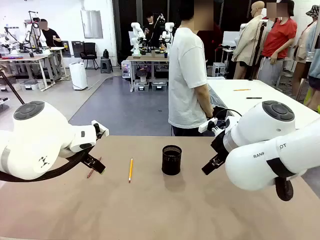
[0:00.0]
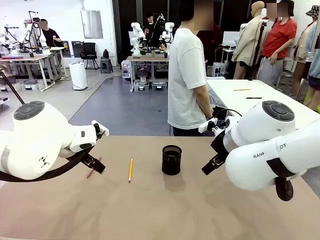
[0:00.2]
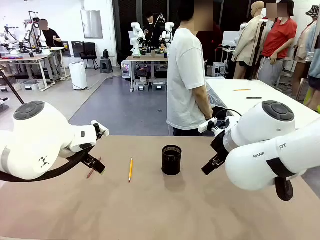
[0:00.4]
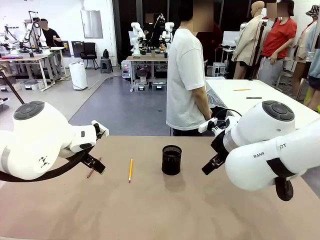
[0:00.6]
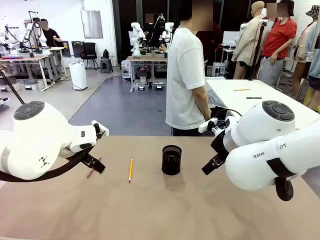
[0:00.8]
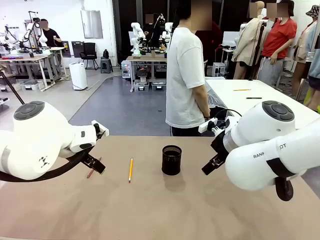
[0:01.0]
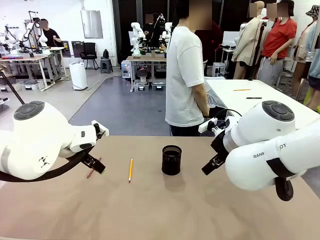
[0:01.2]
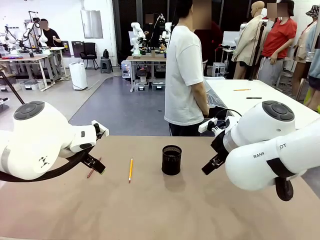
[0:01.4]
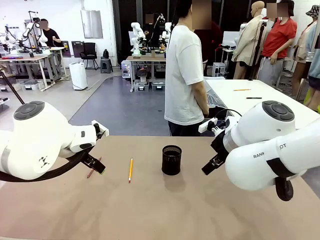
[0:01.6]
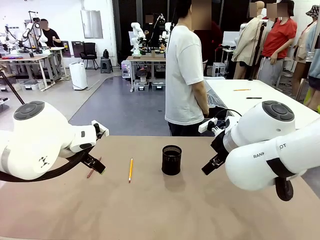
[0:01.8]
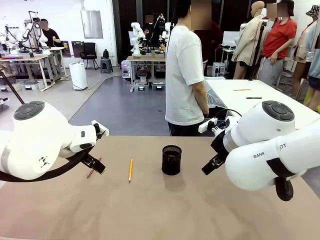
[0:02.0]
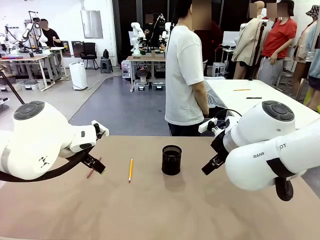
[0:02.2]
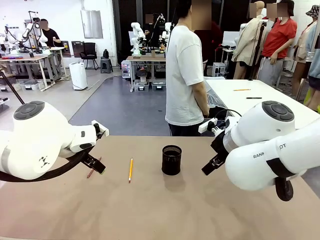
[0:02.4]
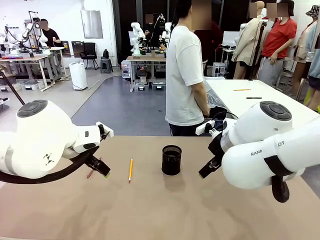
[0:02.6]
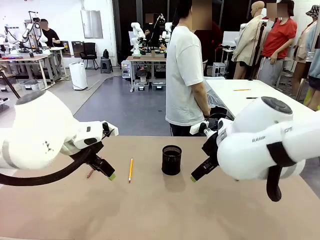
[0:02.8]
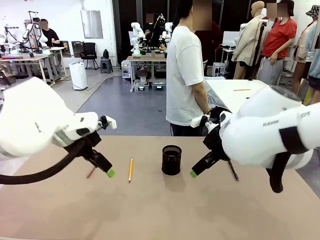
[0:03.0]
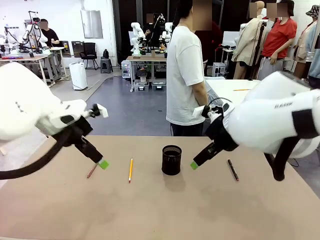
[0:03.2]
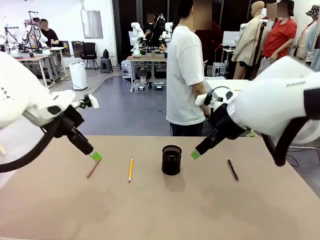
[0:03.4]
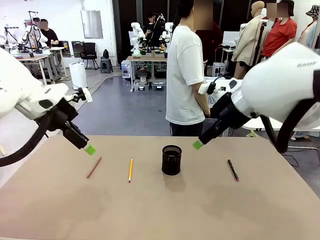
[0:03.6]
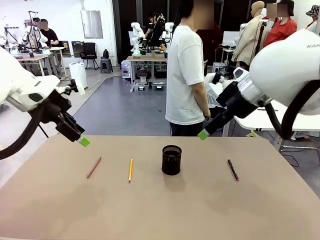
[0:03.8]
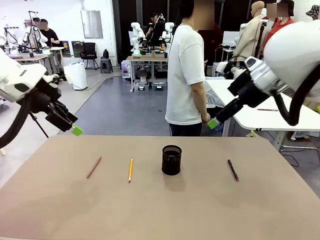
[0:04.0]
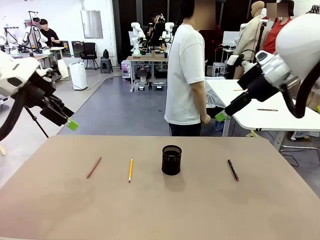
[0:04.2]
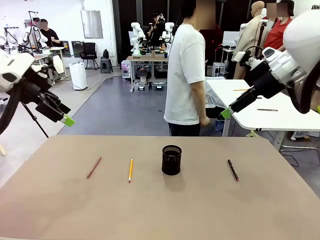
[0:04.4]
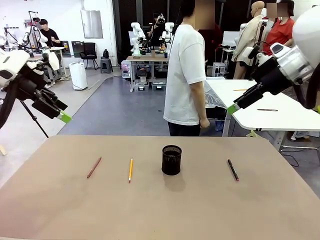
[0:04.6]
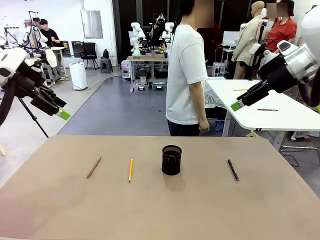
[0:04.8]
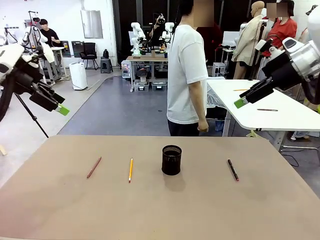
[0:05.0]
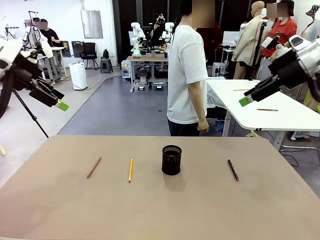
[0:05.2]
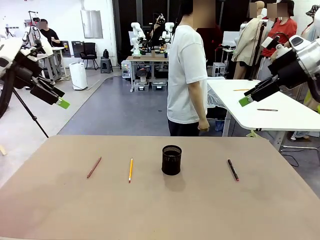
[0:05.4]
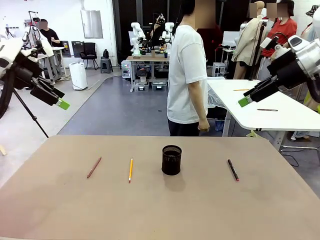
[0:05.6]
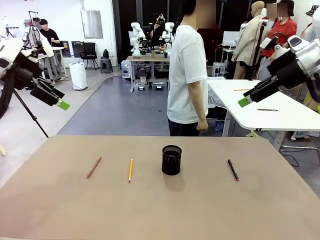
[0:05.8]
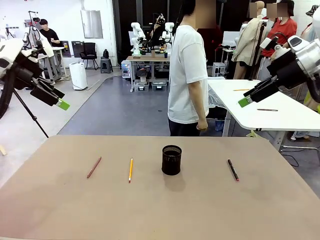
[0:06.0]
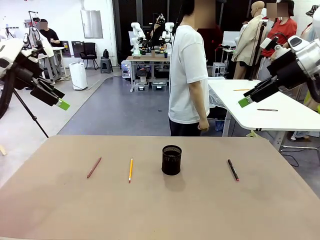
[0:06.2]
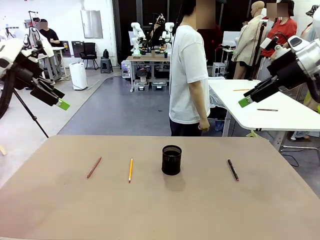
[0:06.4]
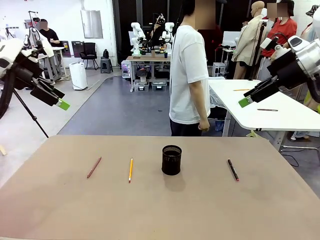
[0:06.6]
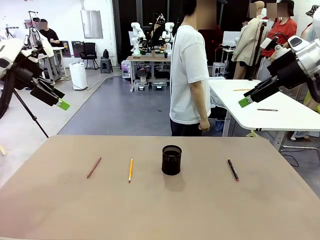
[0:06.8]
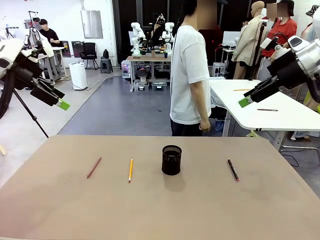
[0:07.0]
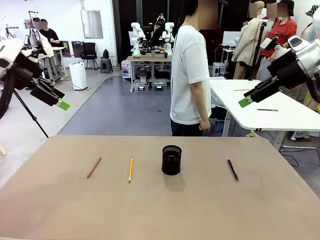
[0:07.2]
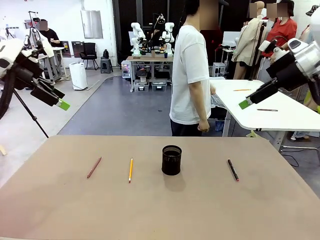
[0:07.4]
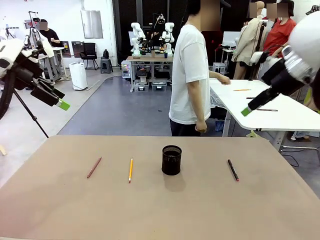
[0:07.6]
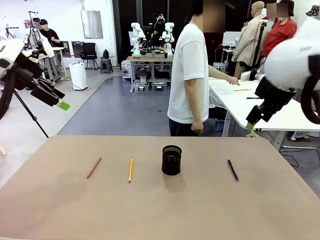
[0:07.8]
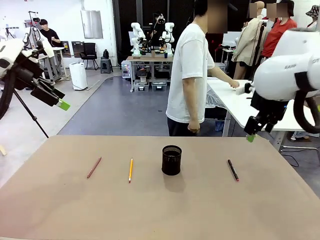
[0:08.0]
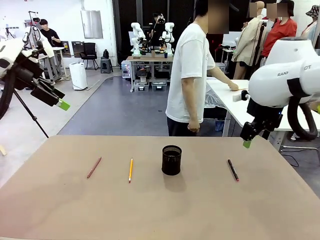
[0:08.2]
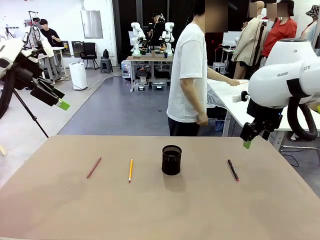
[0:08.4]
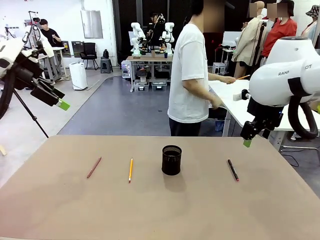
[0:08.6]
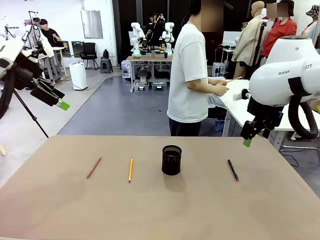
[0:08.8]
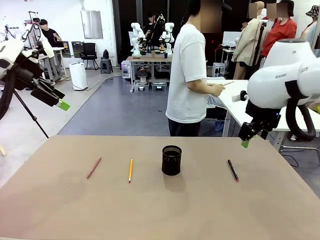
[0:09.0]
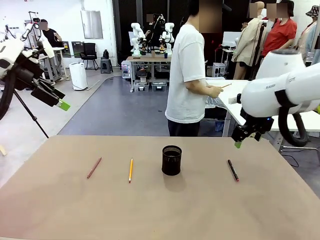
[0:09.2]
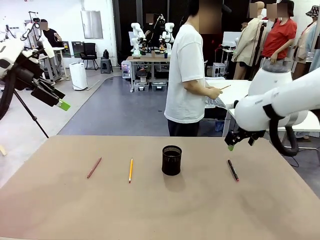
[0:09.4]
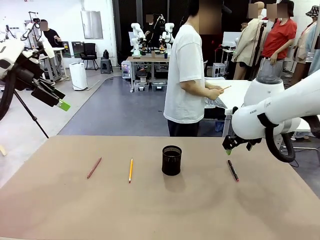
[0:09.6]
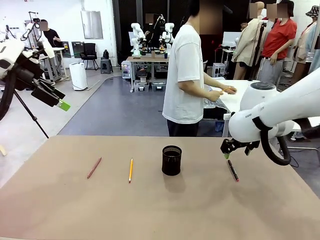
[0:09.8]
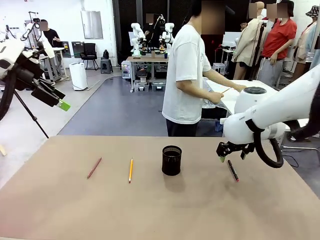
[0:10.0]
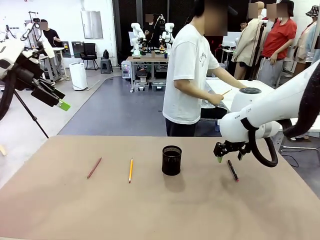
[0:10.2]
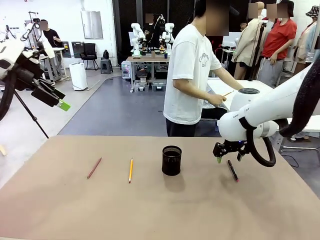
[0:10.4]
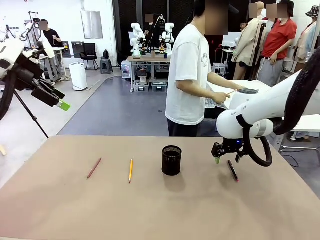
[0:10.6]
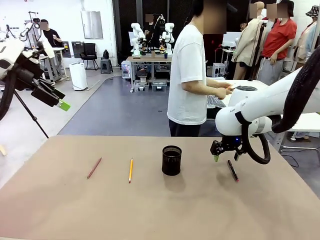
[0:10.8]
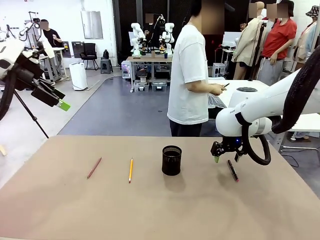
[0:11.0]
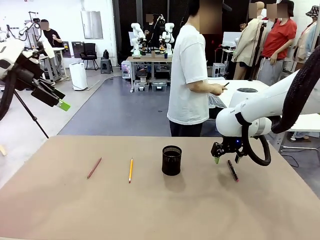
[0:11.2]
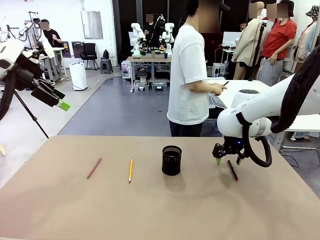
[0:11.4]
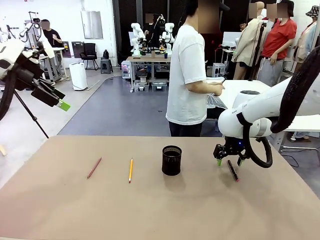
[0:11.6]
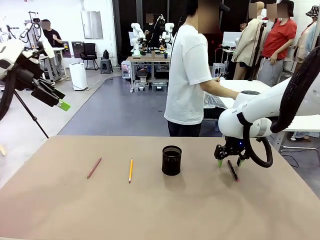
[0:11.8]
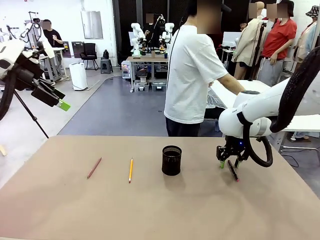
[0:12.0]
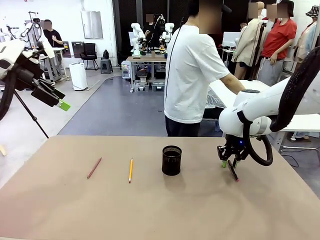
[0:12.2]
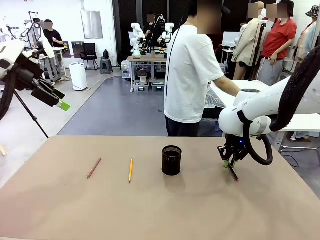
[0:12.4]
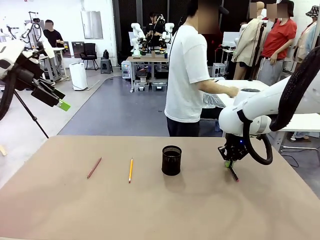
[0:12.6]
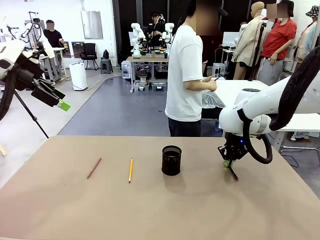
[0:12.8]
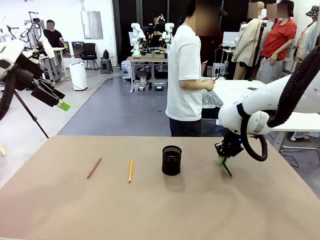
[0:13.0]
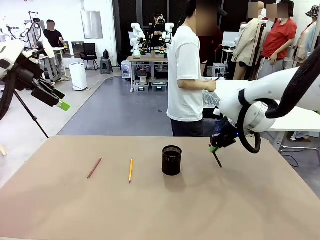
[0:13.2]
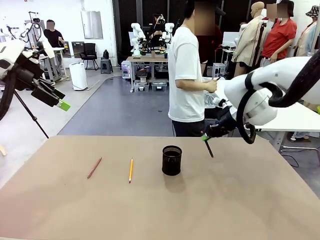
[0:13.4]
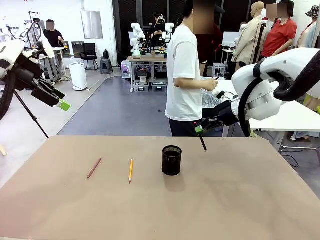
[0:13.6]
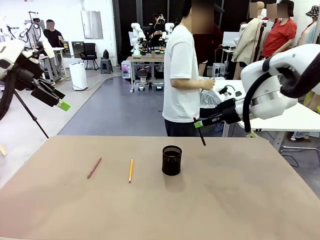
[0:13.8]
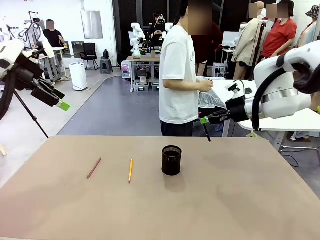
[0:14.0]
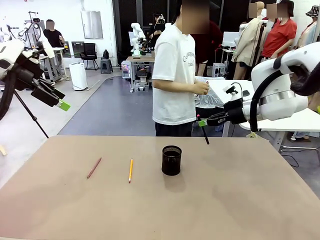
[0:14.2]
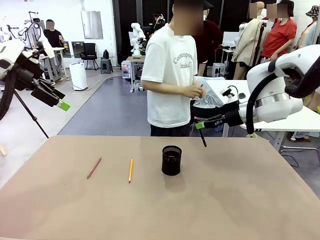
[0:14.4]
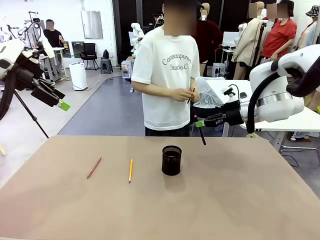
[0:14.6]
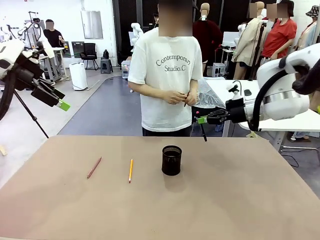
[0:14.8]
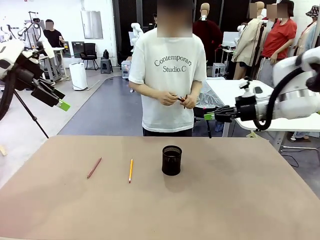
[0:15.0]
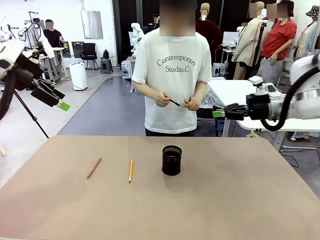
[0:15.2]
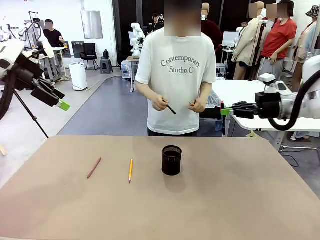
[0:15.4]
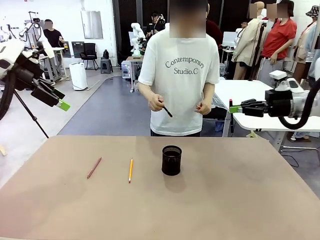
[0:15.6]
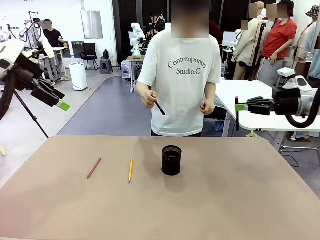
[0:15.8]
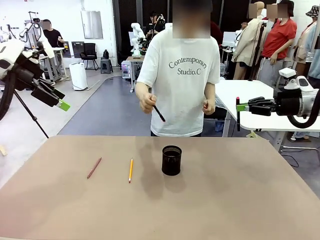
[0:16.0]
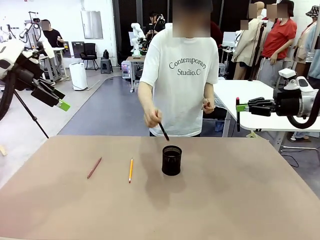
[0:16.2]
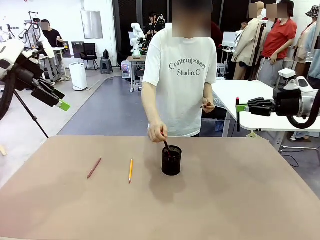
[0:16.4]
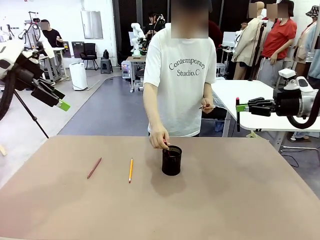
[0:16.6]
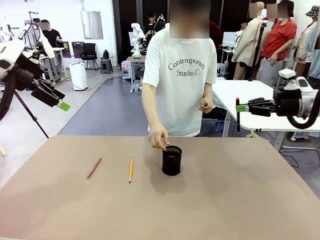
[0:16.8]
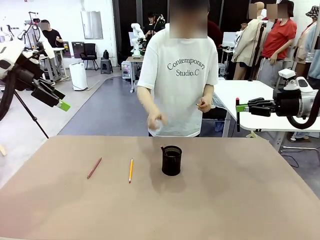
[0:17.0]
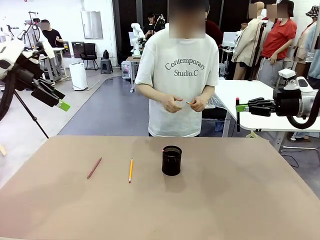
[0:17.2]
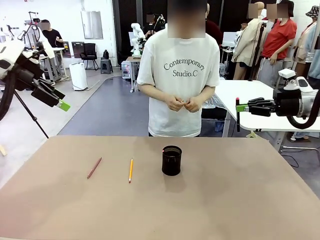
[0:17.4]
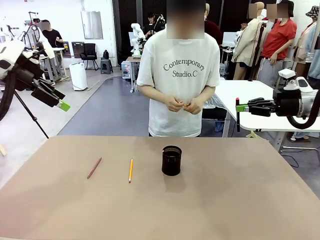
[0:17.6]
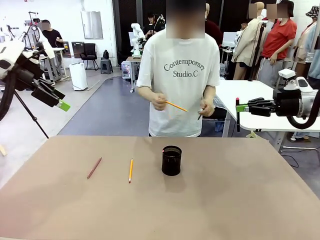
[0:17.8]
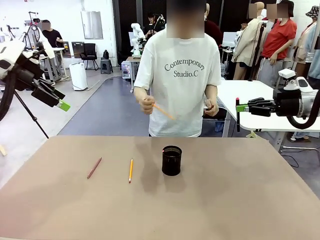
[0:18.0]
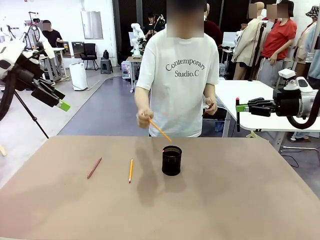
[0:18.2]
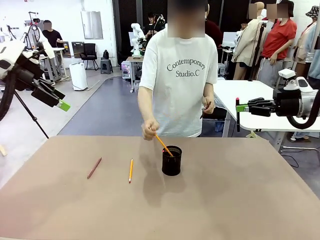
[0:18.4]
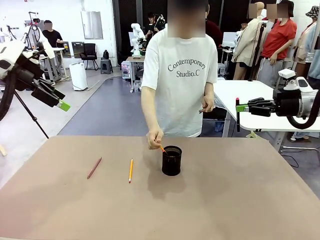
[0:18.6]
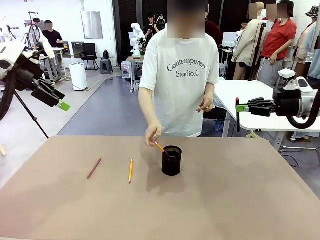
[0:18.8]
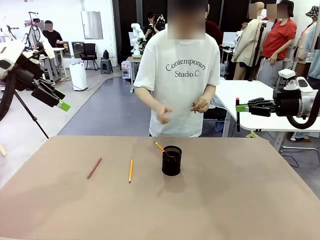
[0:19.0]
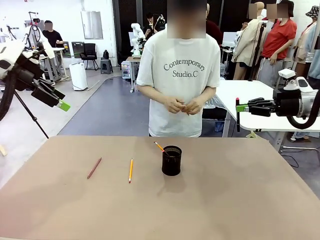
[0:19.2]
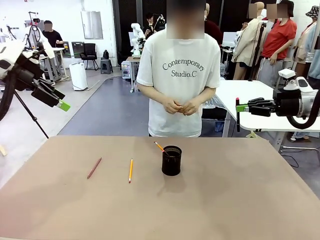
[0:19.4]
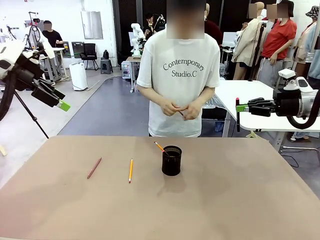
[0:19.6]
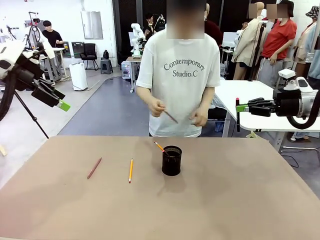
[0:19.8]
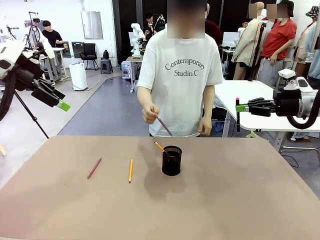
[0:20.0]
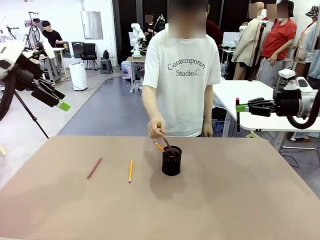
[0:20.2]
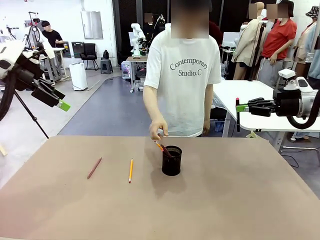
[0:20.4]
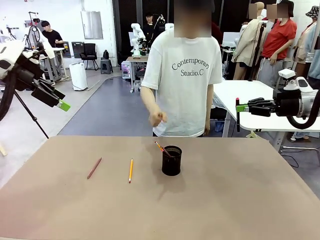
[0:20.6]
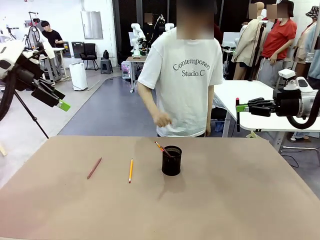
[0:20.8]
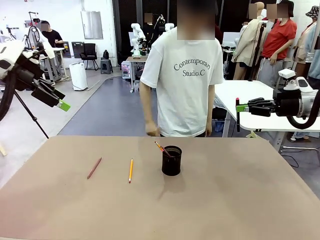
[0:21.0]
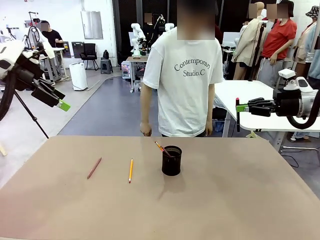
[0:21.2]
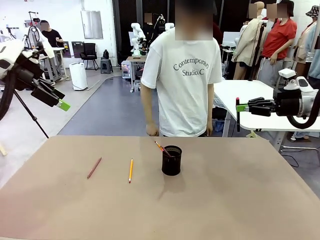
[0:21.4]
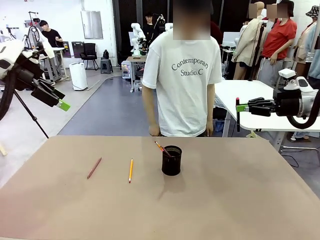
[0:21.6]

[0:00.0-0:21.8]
Task: Place the pens into the pen holder.
Robot: Pick up a writing instrument from the table and place it into the Pen holder.
Person: Pick up all writing instruments from the Human table.
